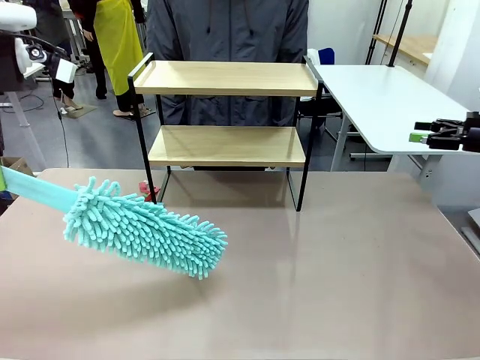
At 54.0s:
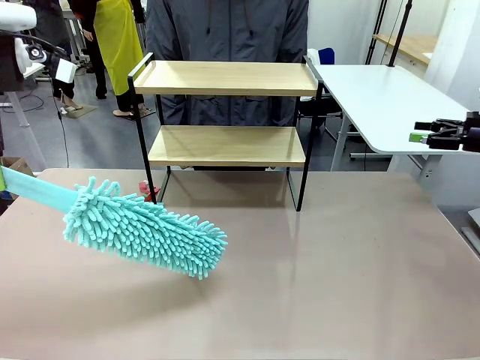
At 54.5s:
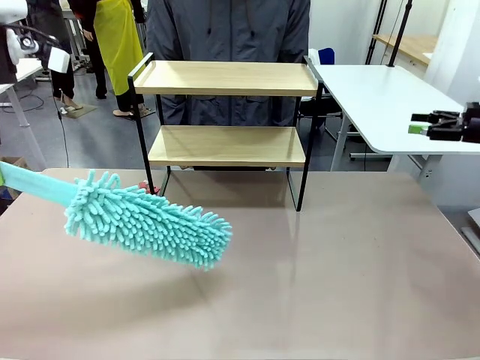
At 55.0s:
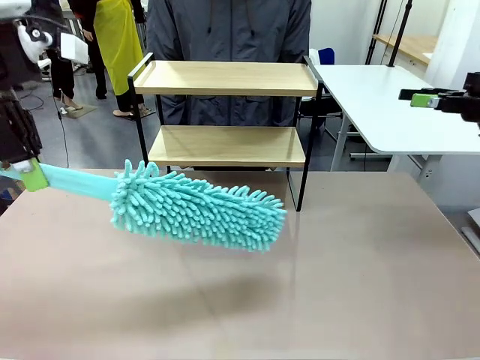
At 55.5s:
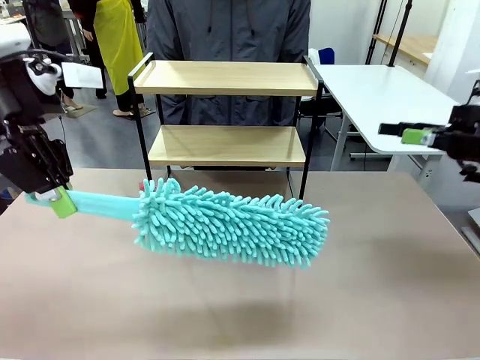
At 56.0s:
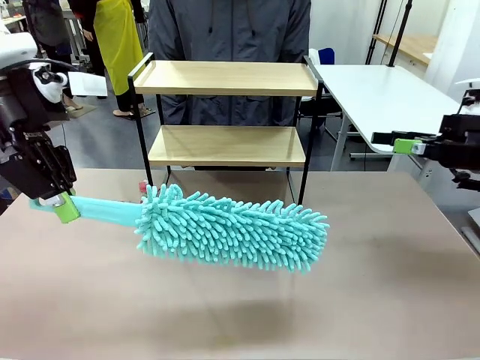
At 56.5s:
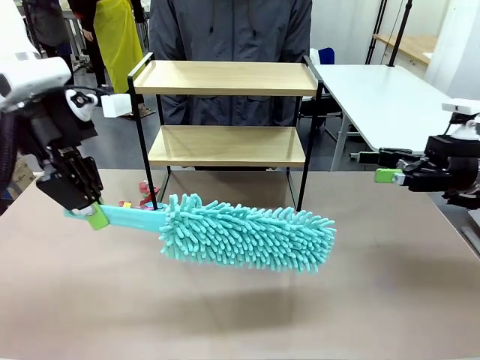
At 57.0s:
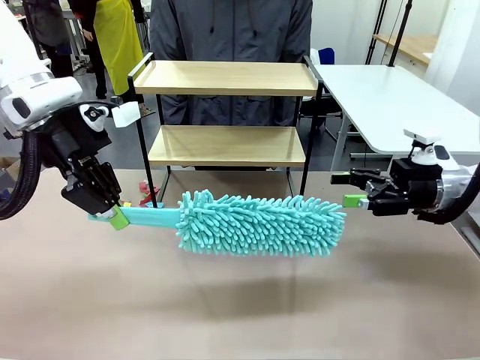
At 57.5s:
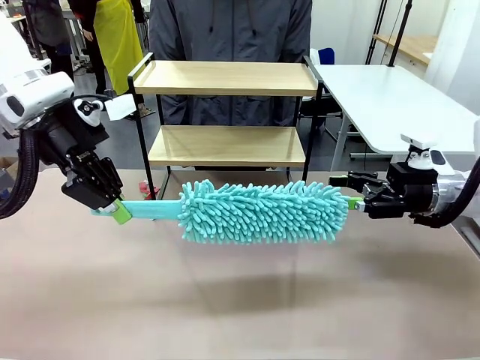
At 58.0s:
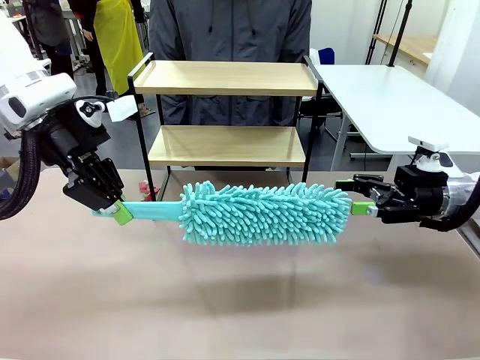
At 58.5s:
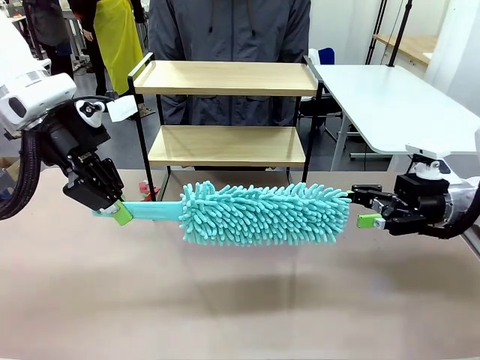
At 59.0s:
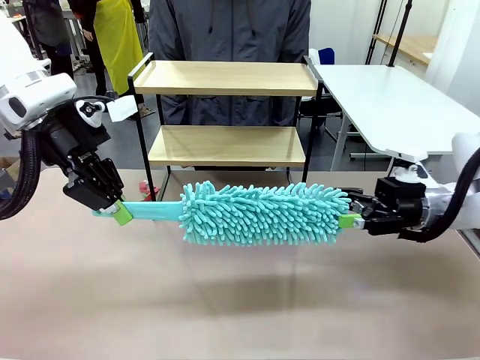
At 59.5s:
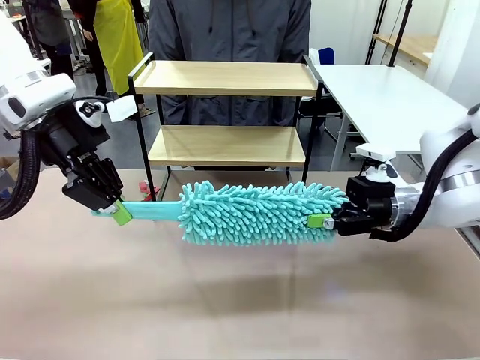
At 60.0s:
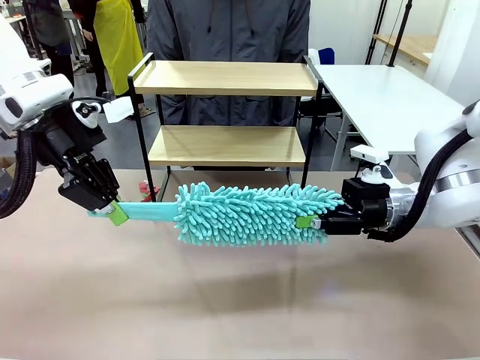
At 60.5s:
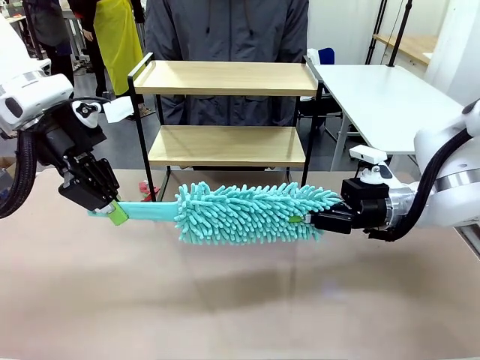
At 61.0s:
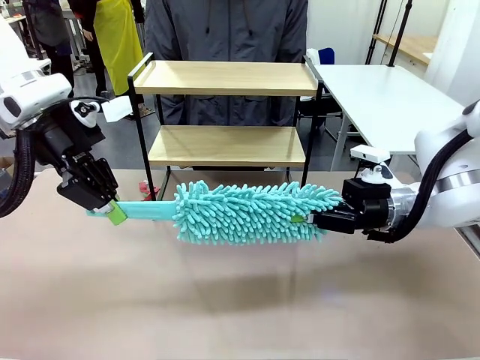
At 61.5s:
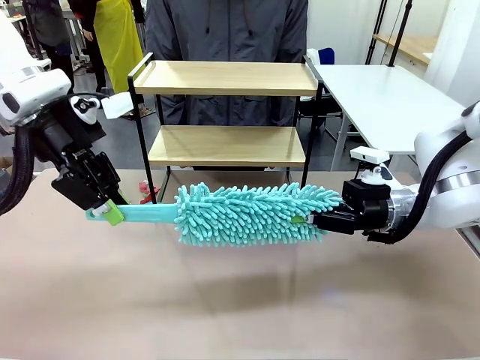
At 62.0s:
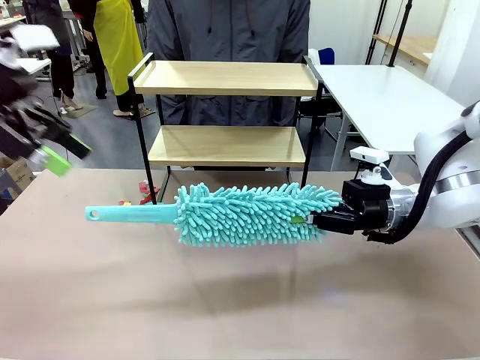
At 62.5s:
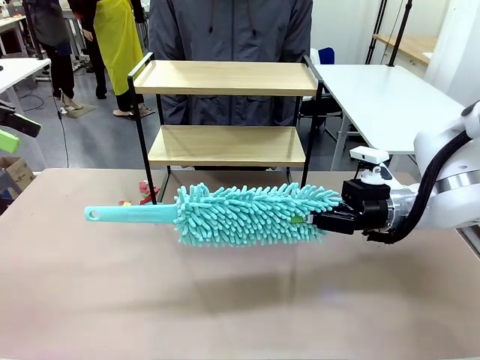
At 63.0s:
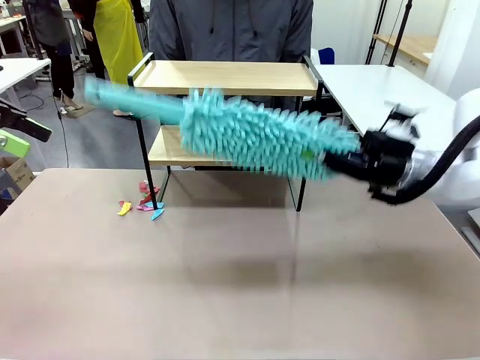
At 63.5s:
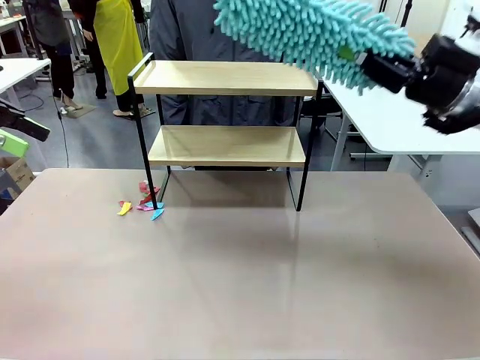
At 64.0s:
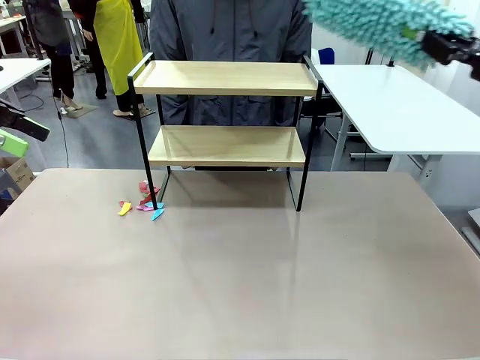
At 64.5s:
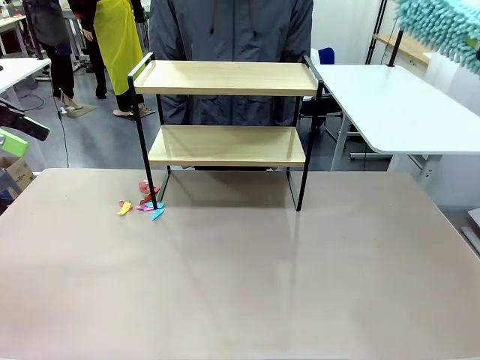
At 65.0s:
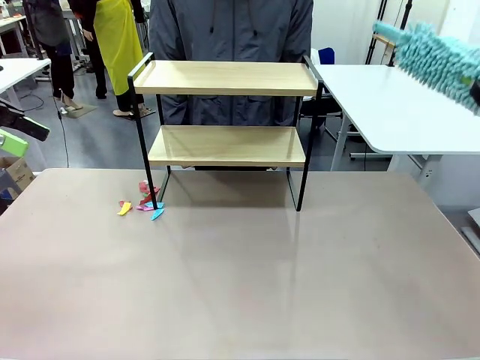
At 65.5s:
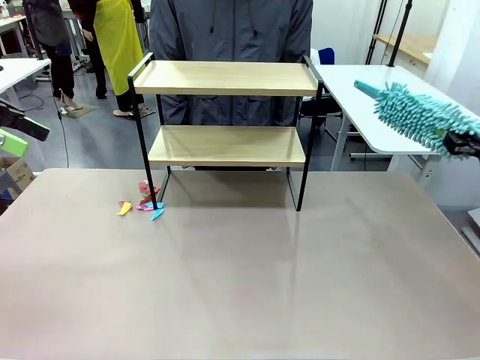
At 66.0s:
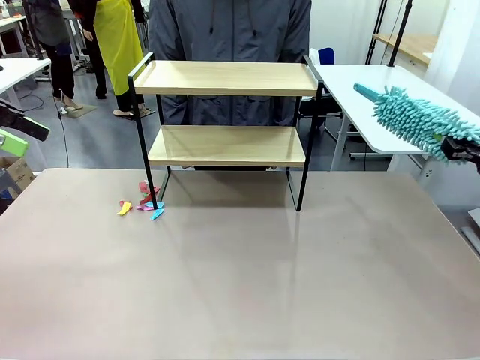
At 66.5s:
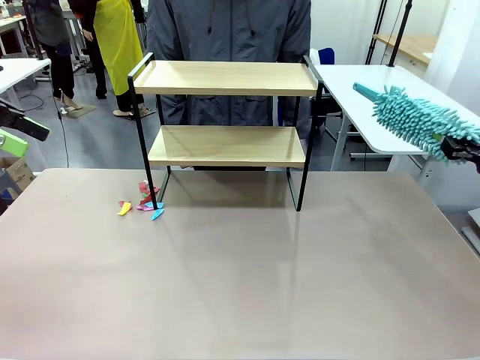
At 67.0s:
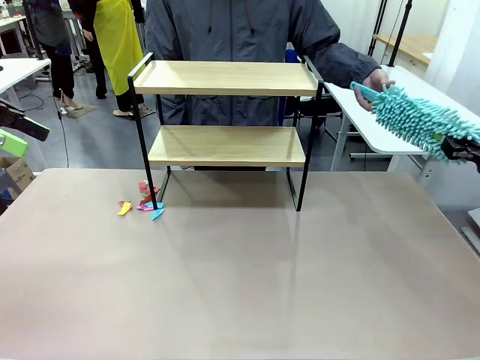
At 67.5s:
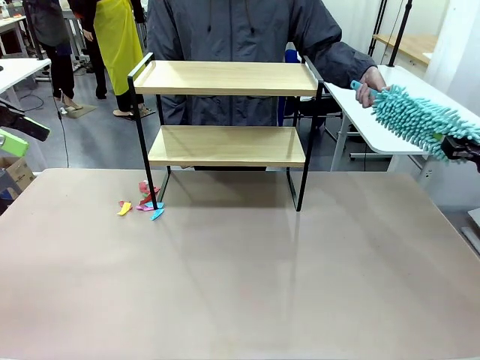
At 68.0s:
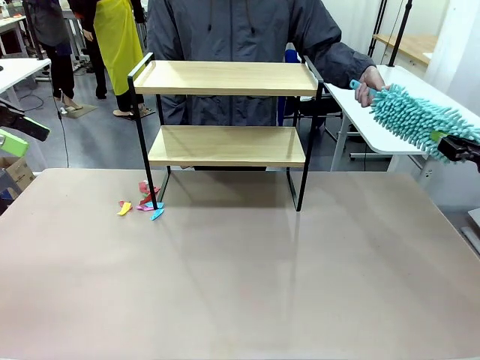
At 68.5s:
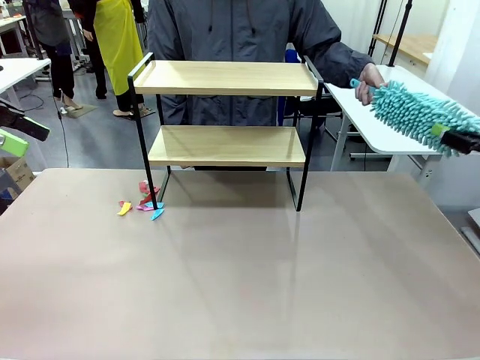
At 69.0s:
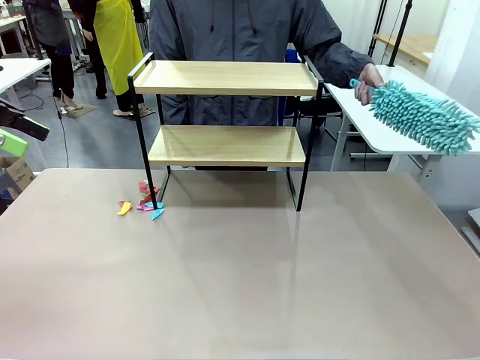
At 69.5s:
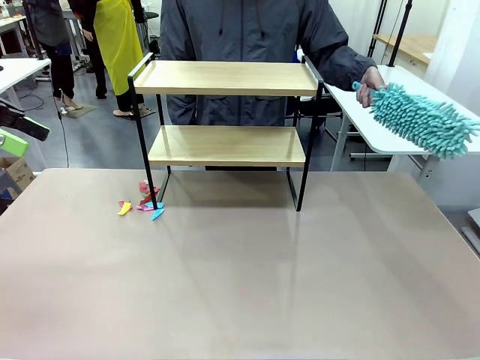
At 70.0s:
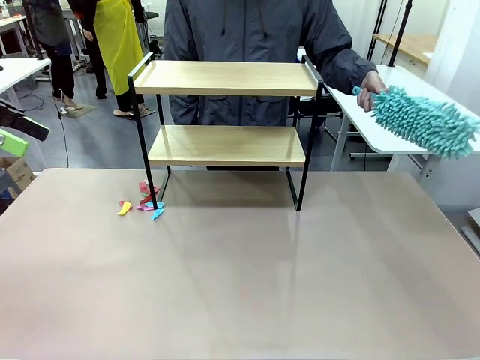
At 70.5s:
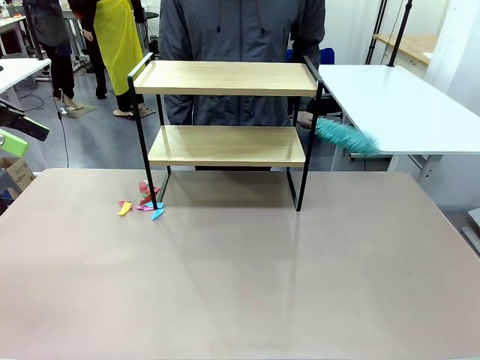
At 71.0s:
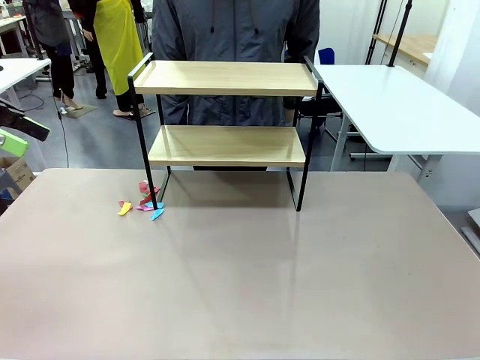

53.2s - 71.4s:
Task: Clean the shelf.
Robot: Hand the Duster back to the human.
Person: Receive the Duster from the robot.

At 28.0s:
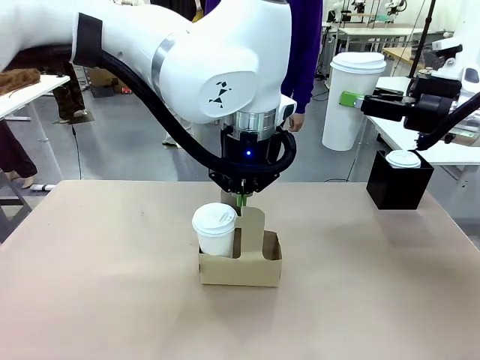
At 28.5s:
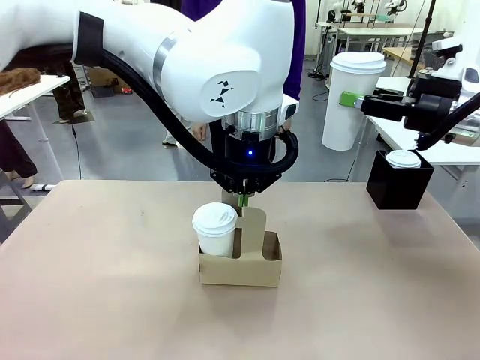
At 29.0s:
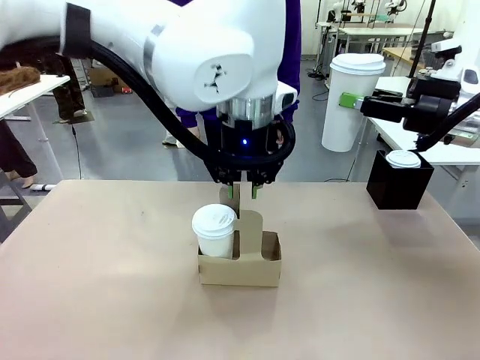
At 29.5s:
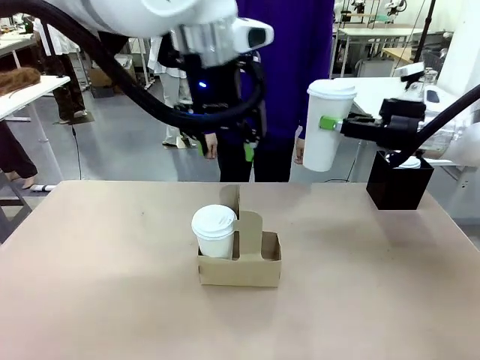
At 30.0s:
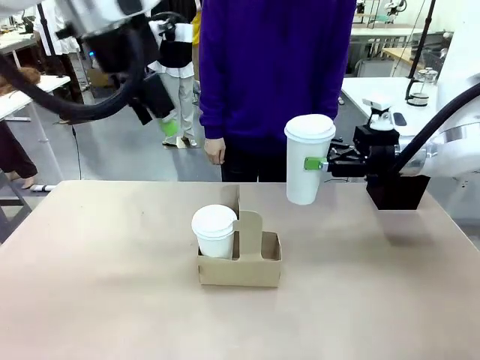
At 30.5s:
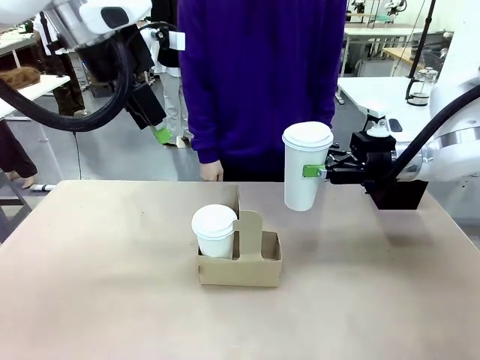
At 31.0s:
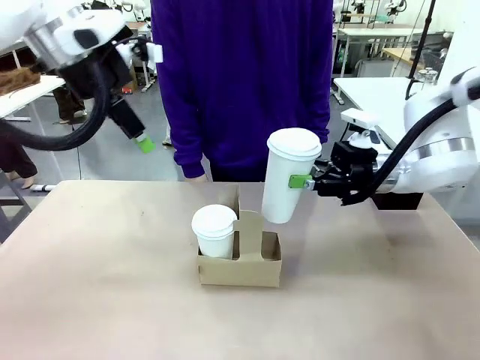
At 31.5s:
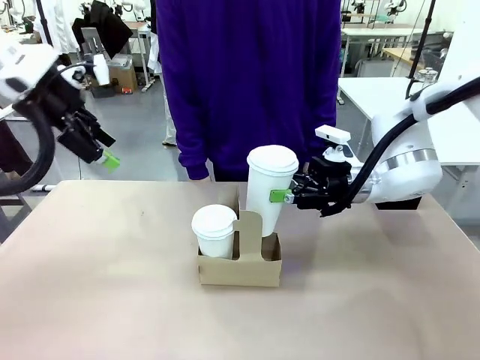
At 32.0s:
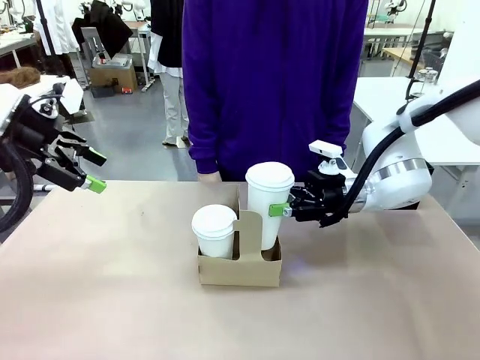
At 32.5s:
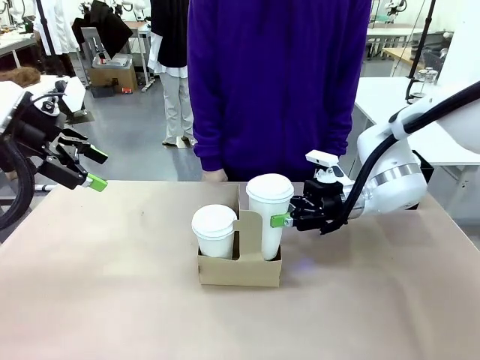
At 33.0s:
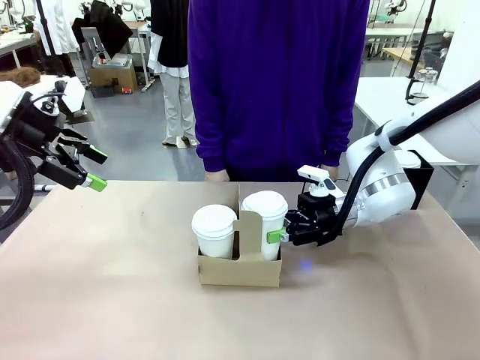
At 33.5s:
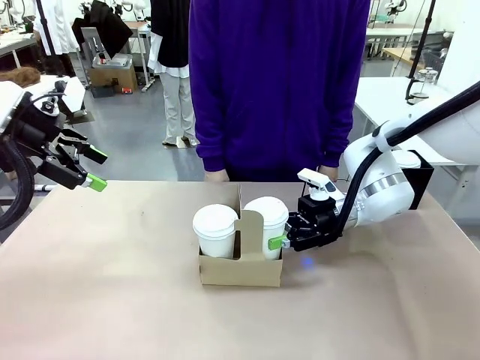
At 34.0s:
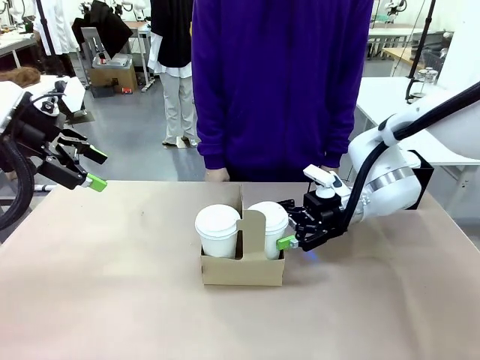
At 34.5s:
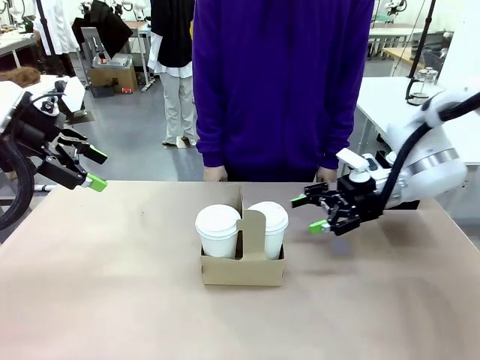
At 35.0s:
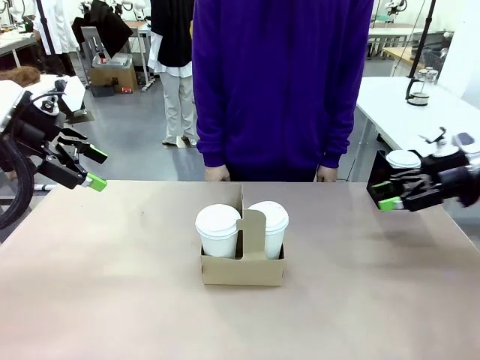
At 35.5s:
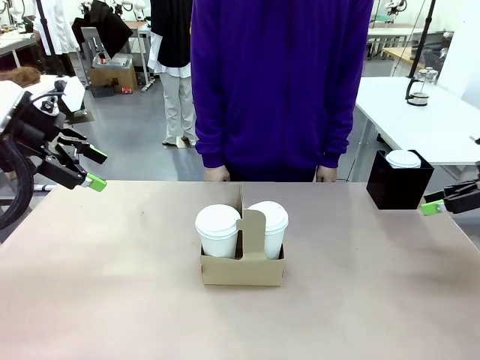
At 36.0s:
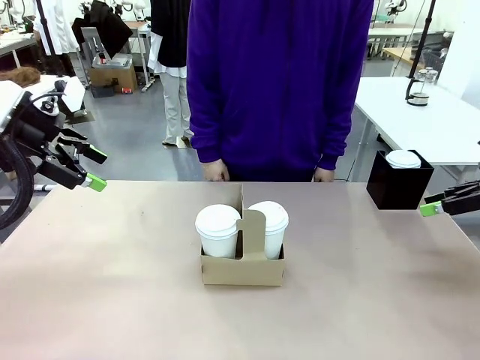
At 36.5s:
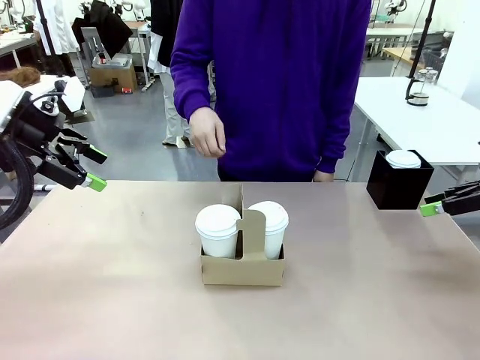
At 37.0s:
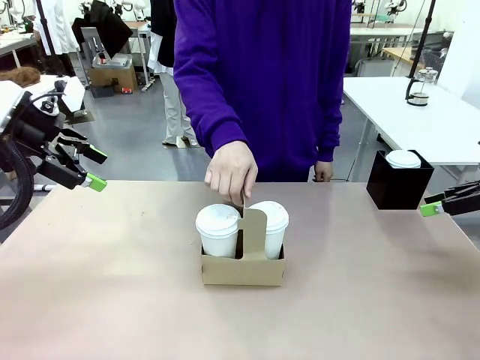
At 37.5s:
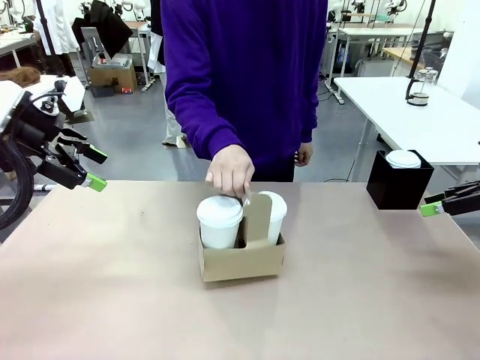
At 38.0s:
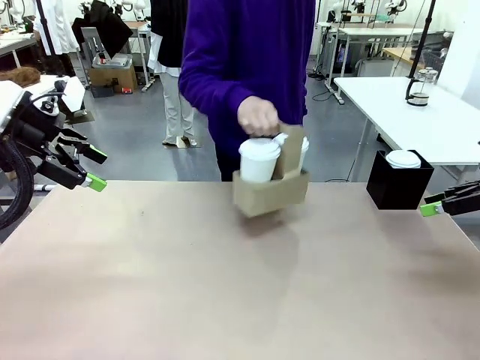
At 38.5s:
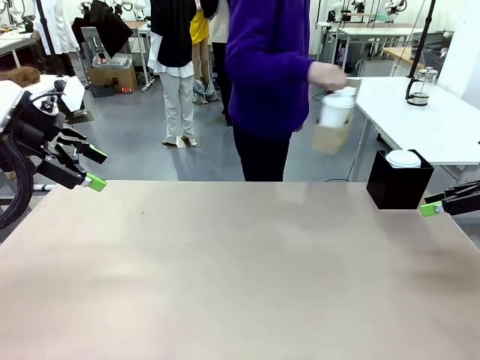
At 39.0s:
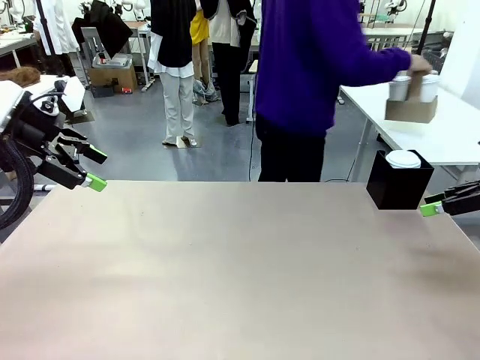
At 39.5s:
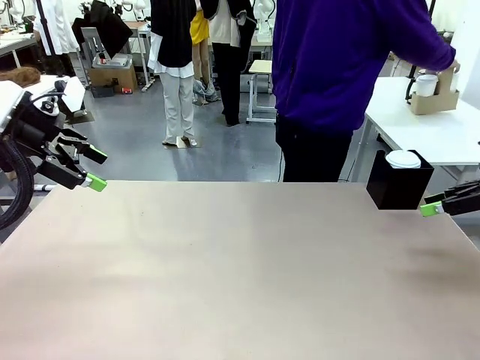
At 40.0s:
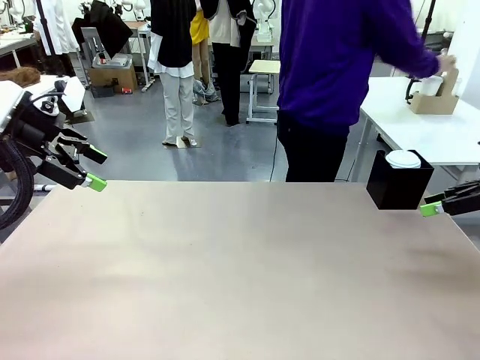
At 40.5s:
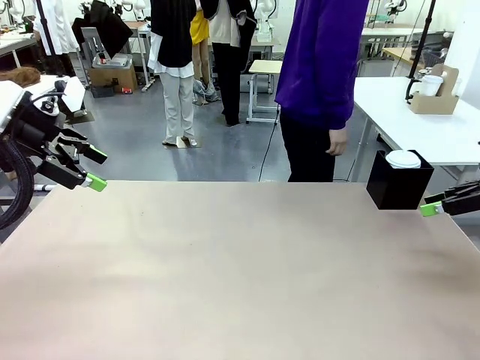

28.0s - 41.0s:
Task: Pour a drink into a cup and package it in a carrier.
Robot: Insert the held 600 ml Paper Cup into the Cup Carrier.
Person: Place the Cup Carrier to the middle of Human table.
